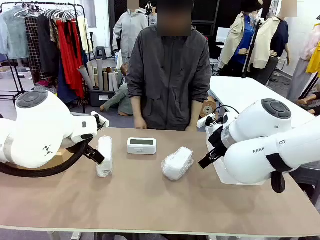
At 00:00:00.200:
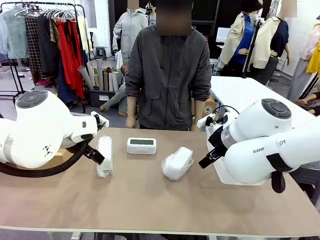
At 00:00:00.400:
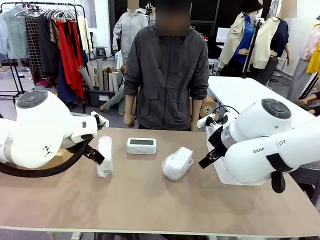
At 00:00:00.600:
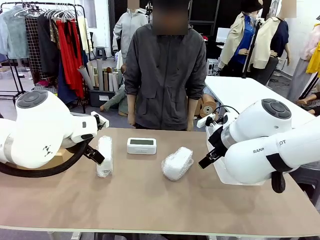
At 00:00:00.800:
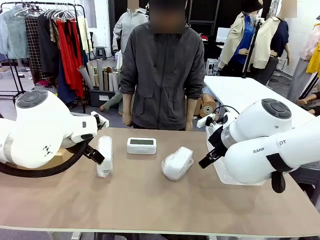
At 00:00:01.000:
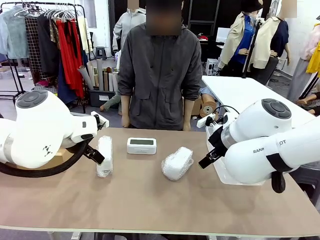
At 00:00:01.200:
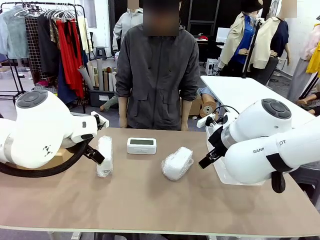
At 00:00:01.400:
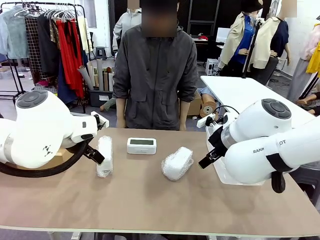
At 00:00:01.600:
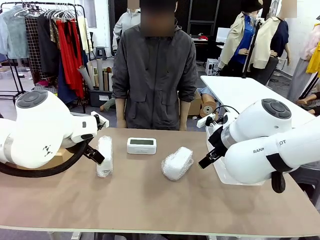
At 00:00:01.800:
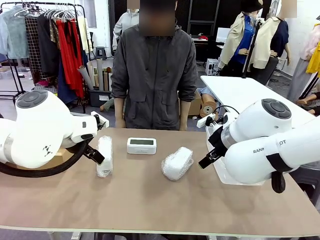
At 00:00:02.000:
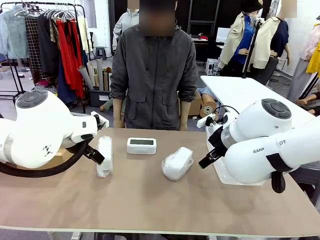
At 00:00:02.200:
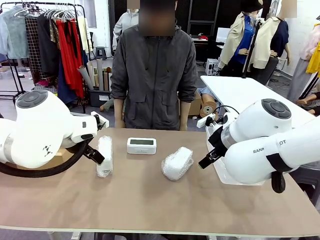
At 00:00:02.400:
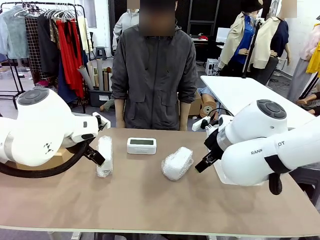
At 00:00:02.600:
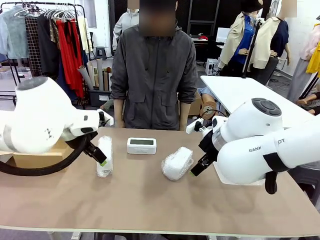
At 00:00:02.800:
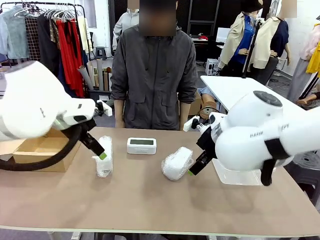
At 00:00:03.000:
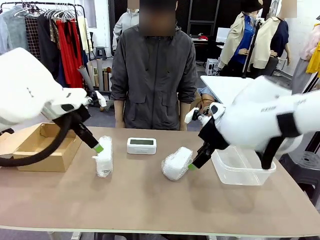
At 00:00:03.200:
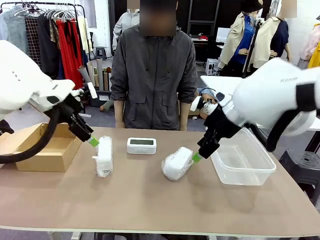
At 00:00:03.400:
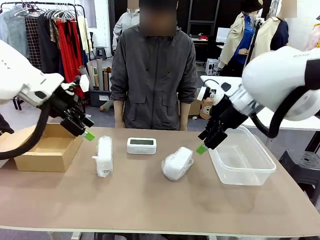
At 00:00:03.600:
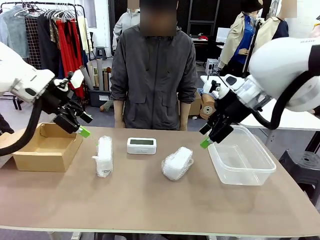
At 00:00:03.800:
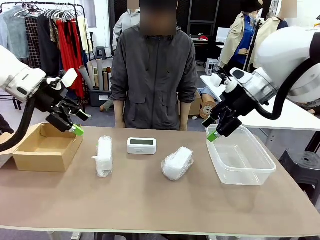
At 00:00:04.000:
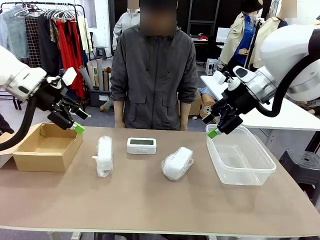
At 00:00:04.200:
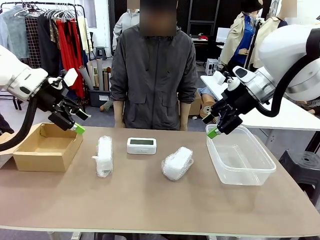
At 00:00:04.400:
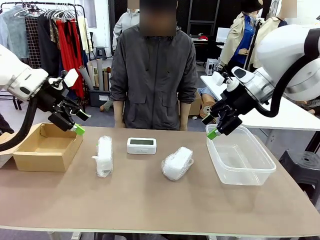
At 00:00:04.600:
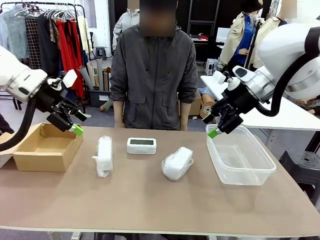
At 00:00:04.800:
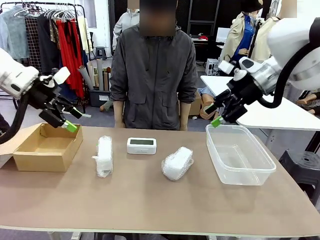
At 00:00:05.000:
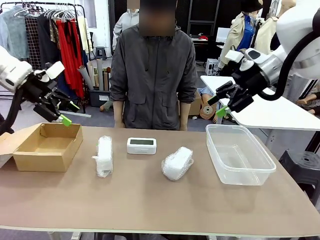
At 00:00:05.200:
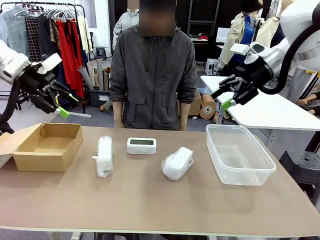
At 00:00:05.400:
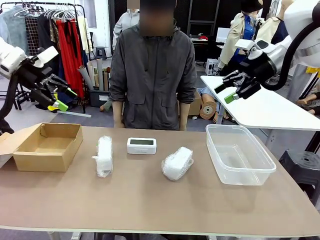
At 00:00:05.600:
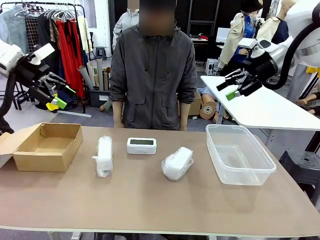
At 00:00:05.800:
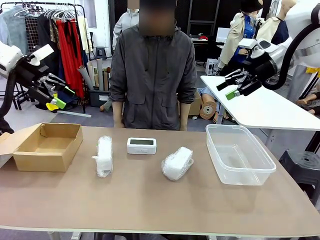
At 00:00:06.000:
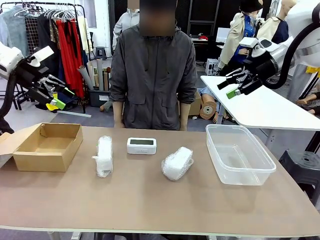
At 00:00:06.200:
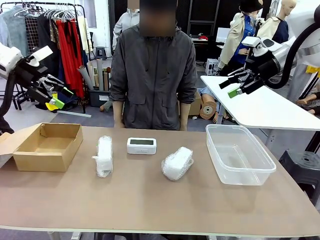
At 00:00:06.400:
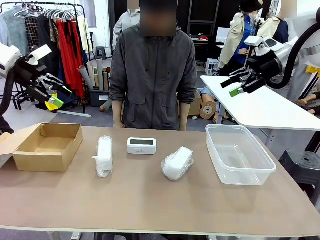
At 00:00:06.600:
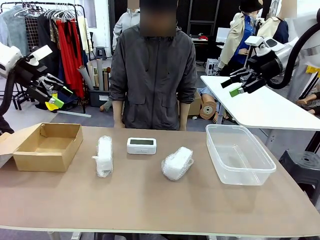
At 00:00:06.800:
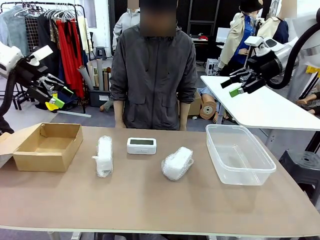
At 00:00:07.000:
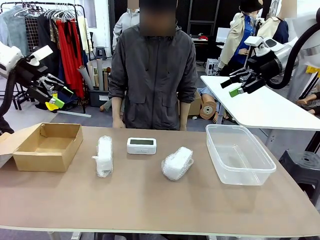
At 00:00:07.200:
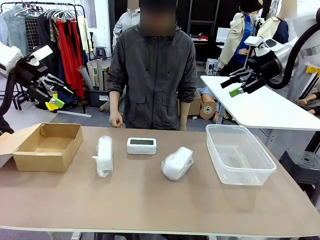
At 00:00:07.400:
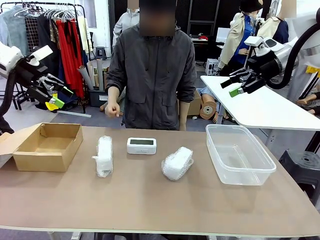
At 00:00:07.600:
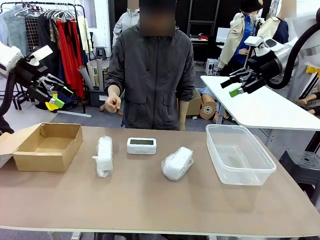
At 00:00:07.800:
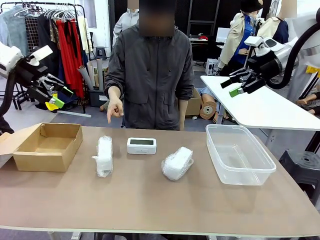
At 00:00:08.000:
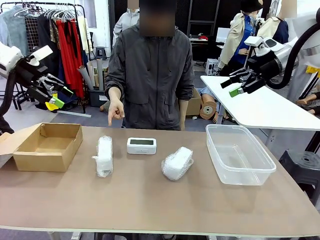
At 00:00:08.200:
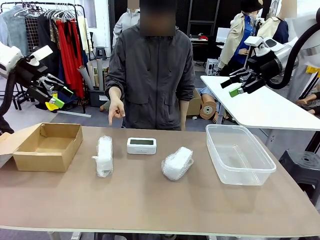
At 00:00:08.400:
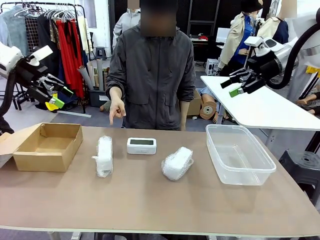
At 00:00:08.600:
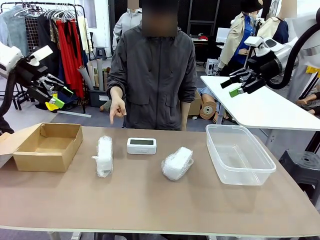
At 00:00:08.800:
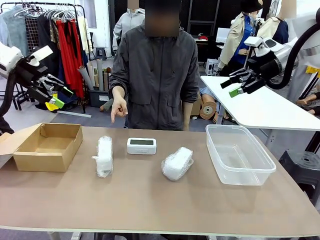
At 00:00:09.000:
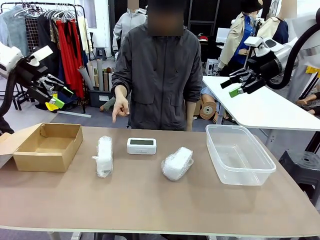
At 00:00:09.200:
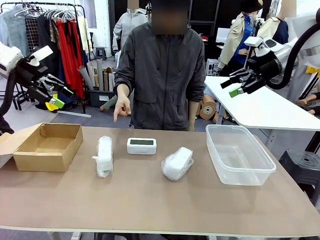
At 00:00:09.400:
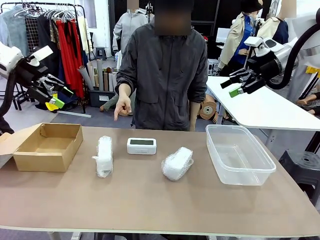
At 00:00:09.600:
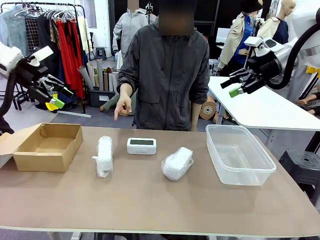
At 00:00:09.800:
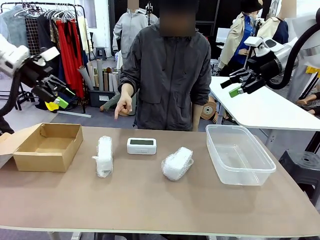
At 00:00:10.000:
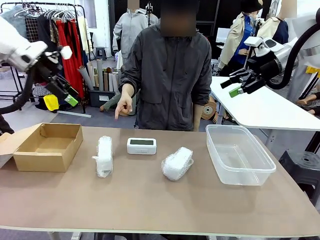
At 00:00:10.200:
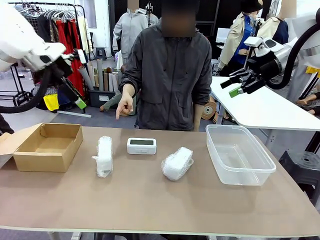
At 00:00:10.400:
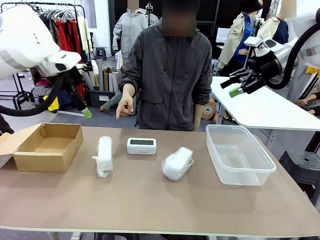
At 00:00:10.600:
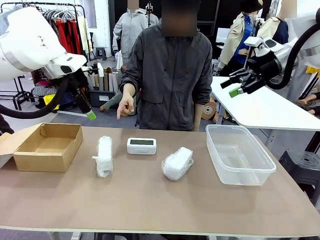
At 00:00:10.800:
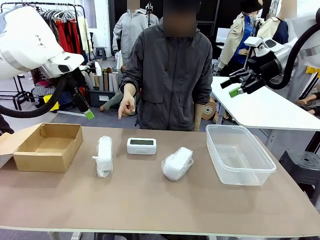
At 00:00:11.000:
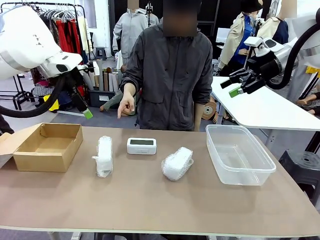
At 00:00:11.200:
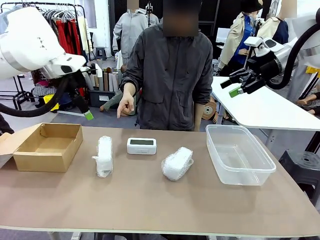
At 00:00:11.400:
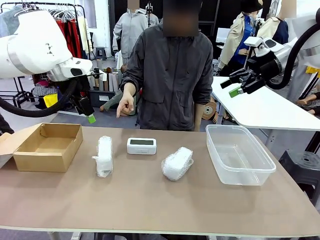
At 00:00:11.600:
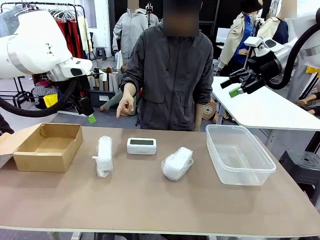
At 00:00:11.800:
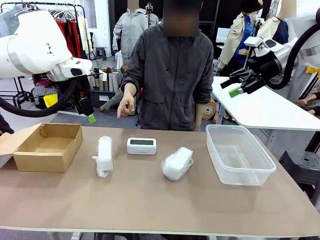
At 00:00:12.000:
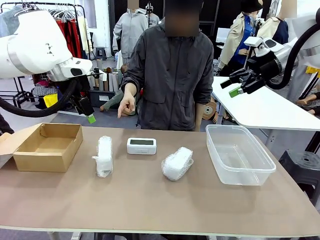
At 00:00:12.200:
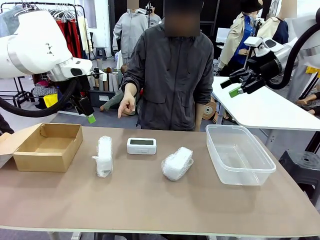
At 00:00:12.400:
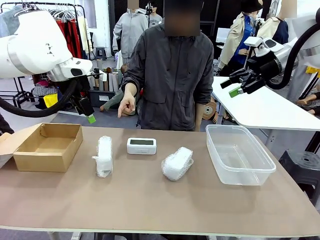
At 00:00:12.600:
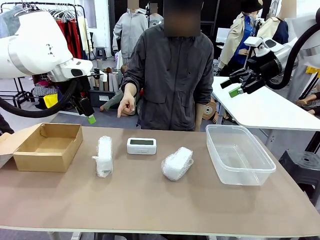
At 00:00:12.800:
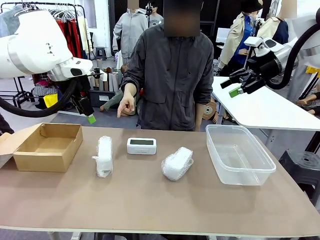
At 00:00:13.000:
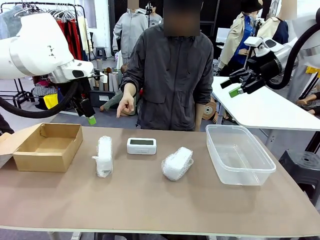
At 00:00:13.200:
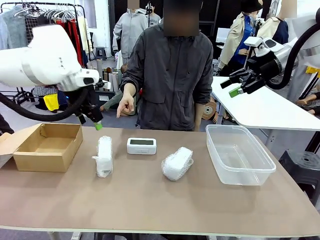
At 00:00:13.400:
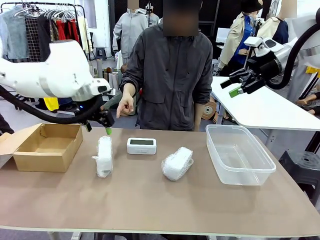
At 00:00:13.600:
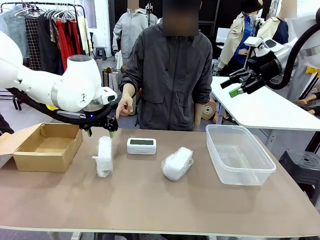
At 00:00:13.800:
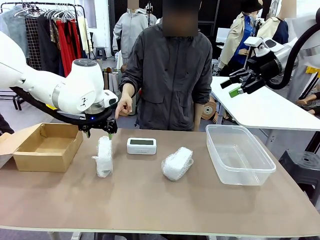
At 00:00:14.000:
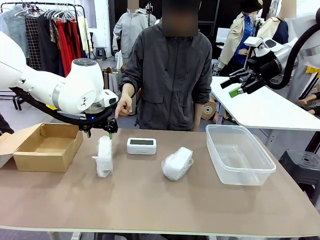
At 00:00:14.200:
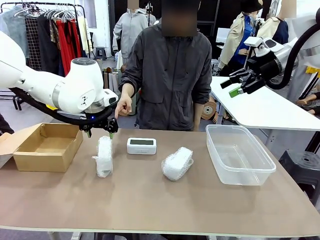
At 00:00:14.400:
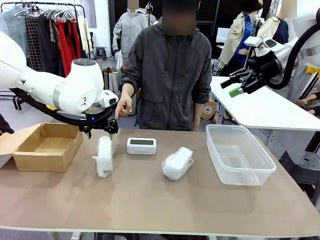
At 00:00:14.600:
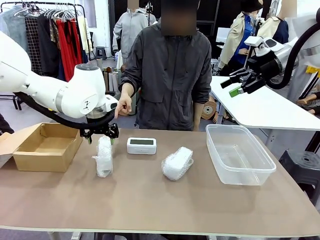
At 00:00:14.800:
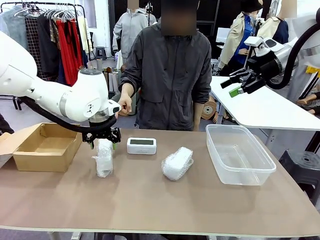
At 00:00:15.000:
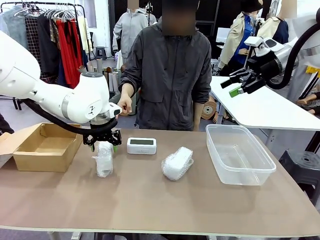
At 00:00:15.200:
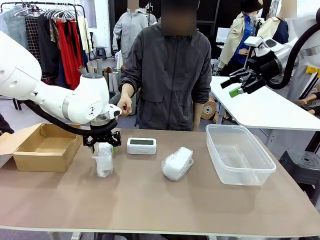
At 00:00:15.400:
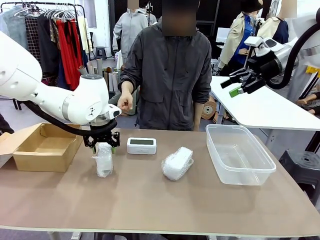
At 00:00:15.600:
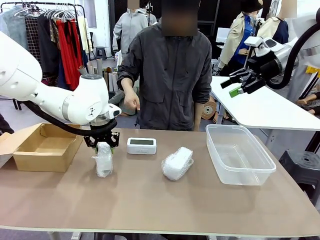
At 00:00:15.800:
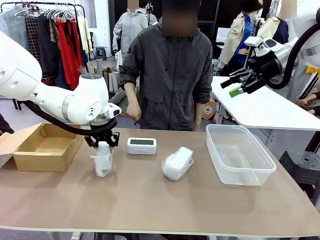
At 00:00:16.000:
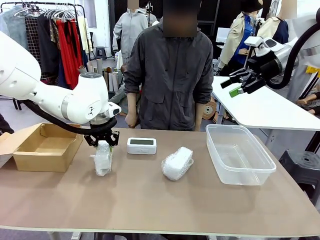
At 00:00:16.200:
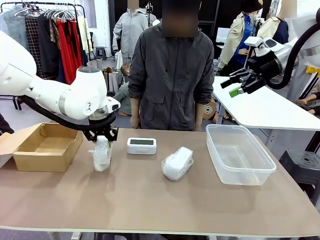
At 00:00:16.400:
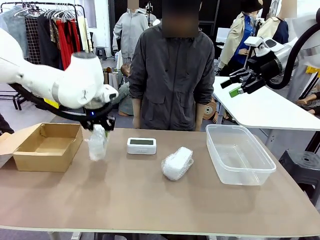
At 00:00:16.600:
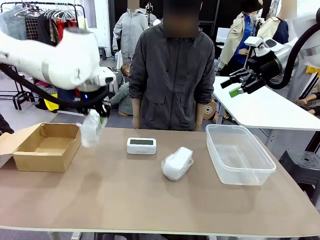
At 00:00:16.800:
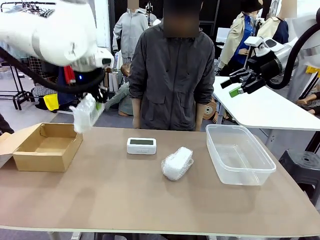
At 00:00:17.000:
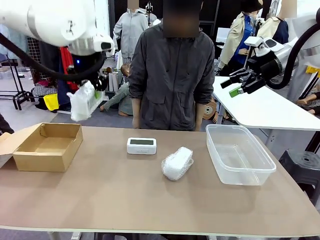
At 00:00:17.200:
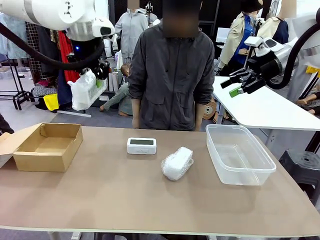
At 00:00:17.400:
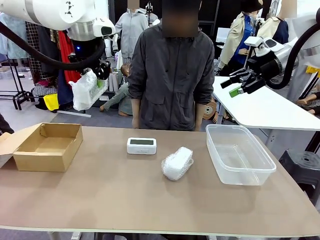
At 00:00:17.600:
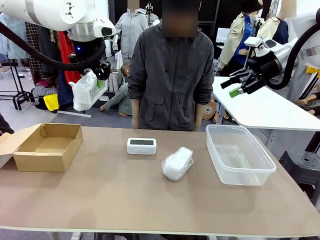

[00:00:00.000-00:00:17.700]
Task: Separate and place wrapped and unwrapped clocks.
Robot: Pick up the Digital clock indicated by the person.
